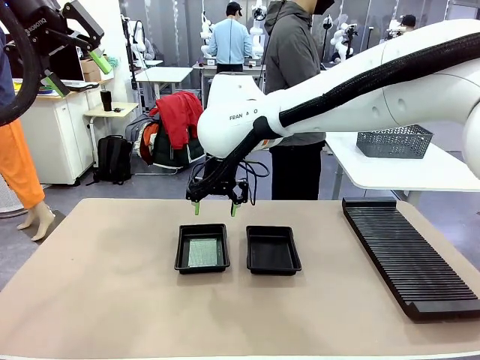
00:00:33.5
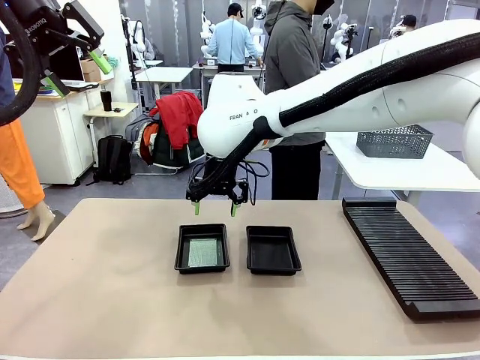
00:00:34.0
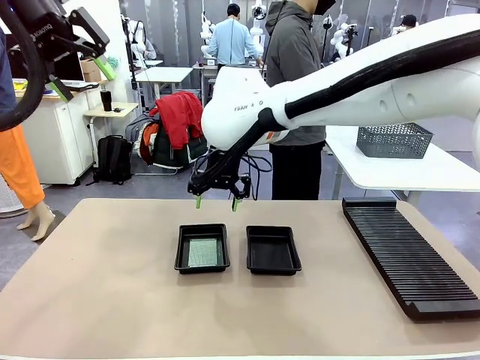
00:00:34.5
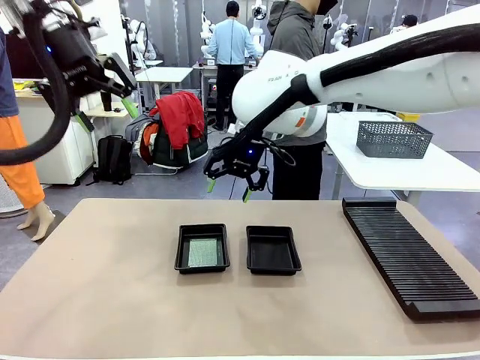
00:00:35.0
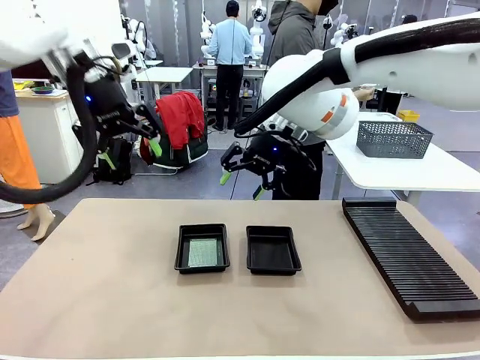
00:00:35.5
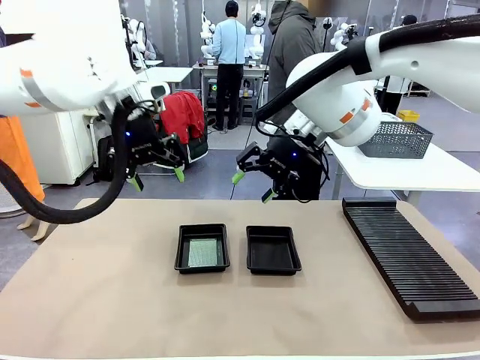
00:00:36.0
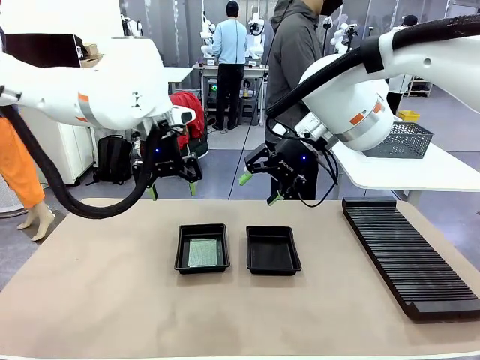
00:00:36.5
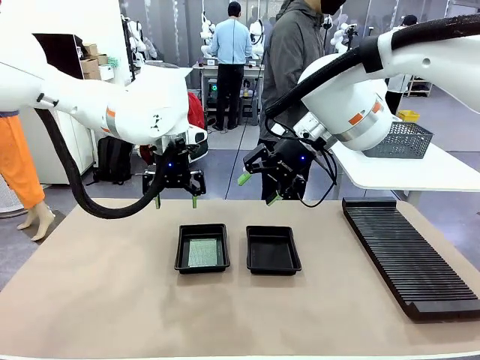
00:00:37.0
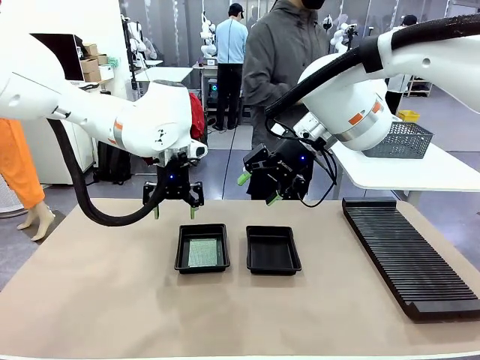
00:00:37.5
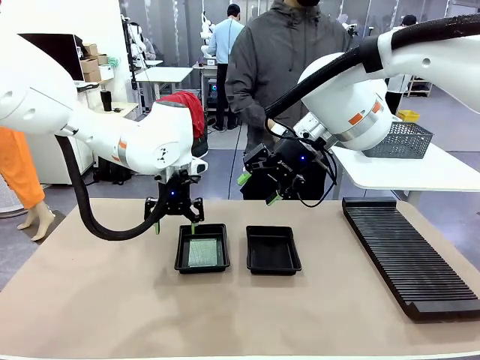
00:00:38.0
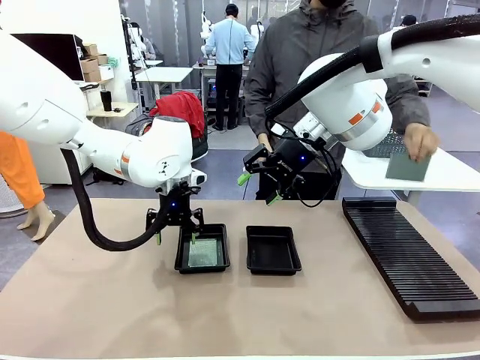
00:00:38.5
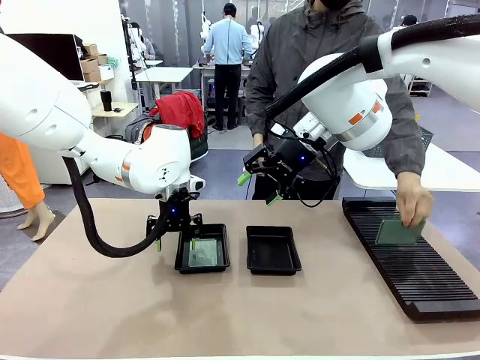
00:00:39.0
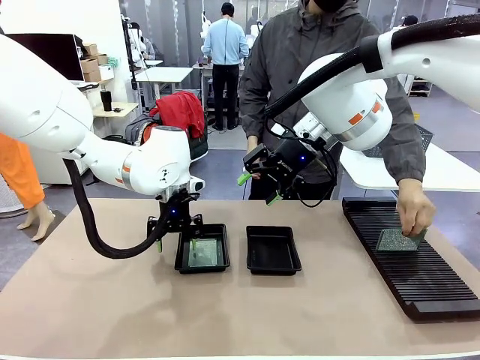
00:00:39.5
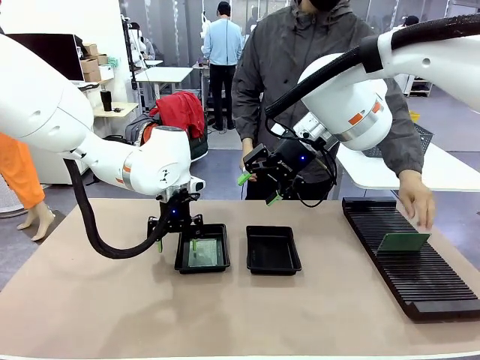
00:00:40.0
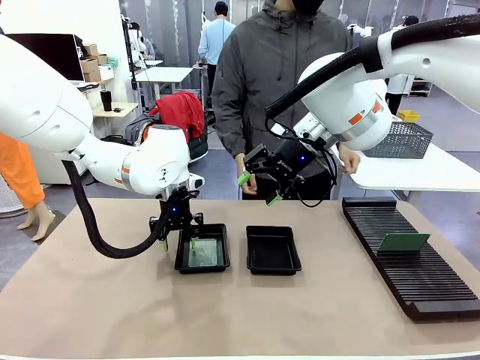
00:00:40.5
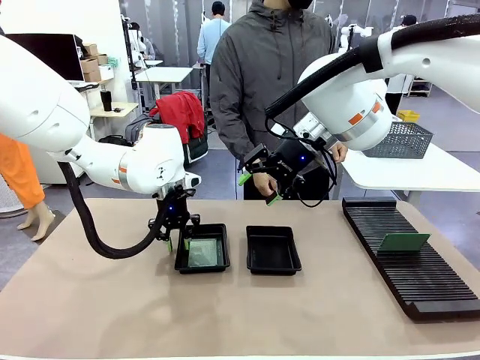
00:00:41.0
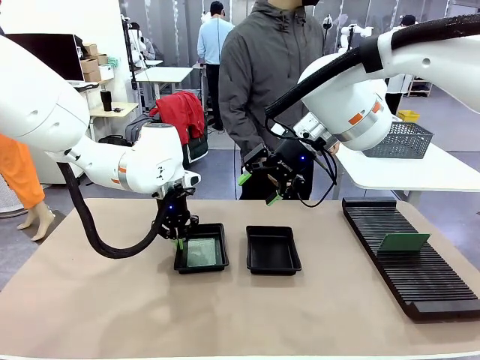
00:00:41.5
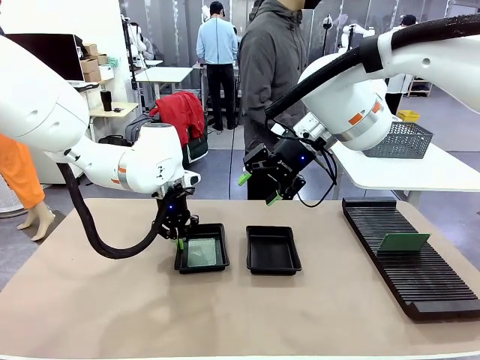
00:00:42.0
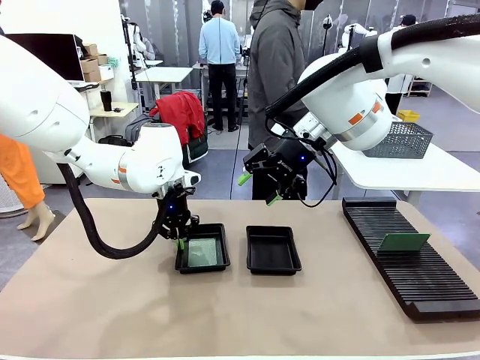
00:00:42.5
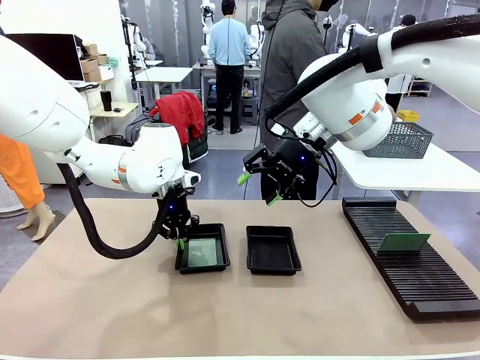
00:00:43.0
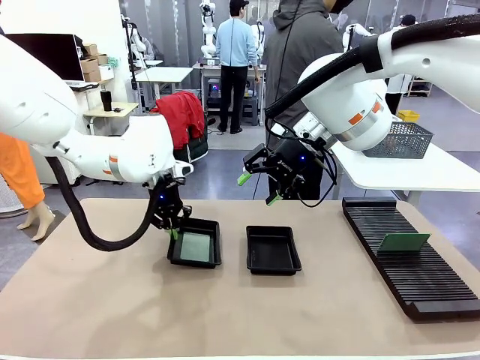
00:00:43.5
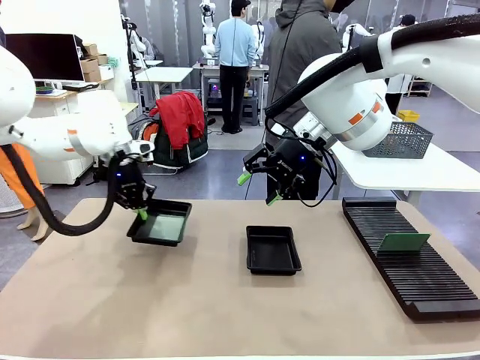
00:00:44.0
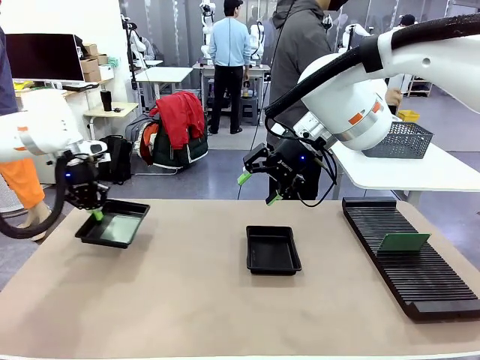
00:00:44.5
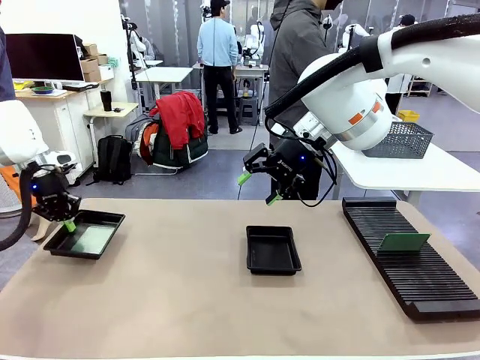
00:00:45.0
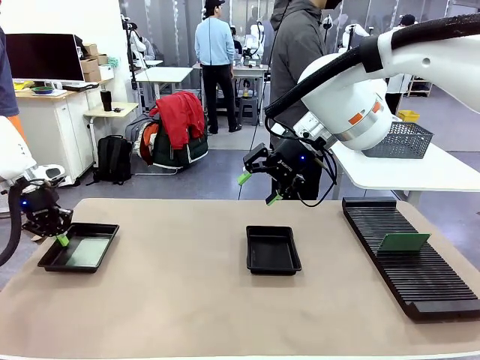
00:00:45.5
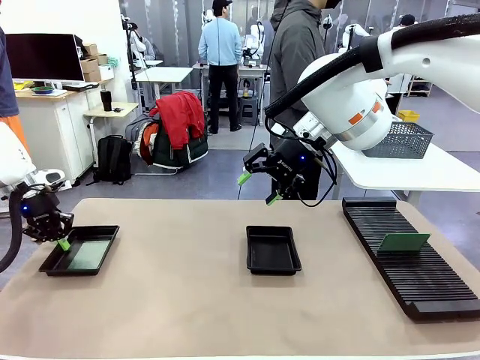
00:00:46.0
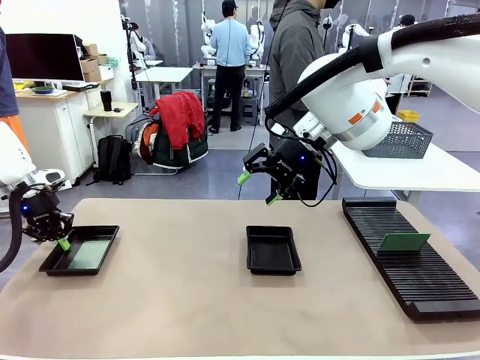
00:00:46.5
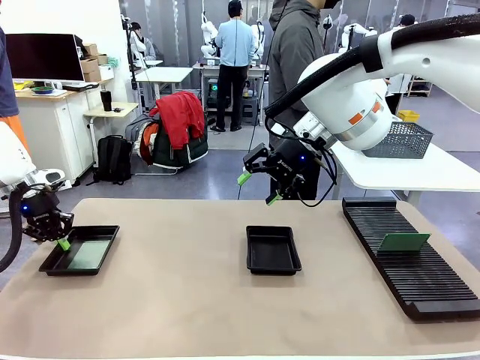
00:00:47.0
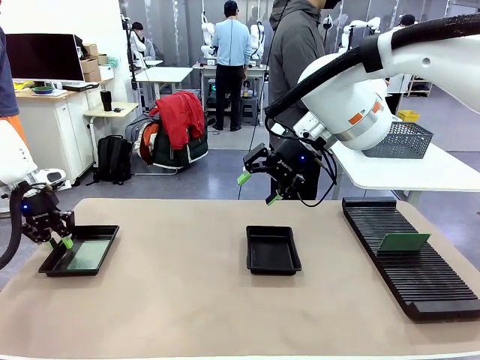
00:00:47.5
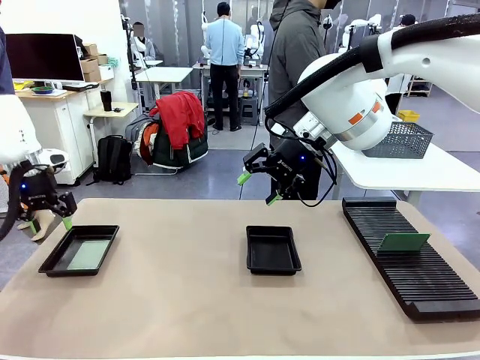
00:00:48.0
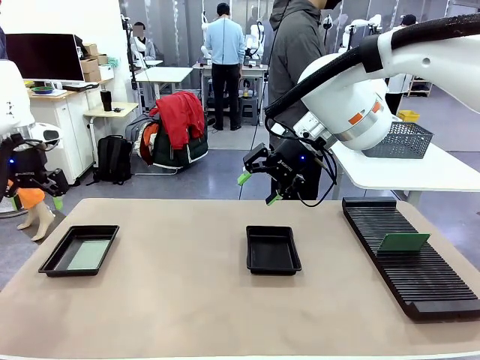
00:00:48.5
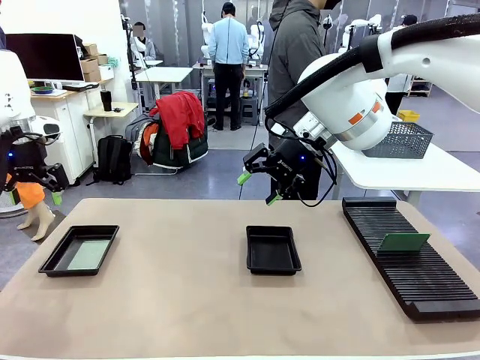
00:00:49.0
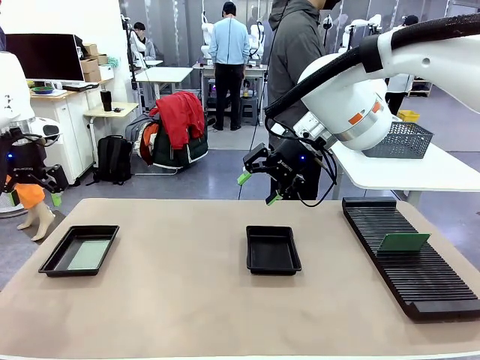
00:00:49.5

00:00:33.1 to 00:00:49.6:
Task: Inspect and transfer BCBs to ESD trays.
Robot: Pick up the ESD tray and place it on the left side of the table.
